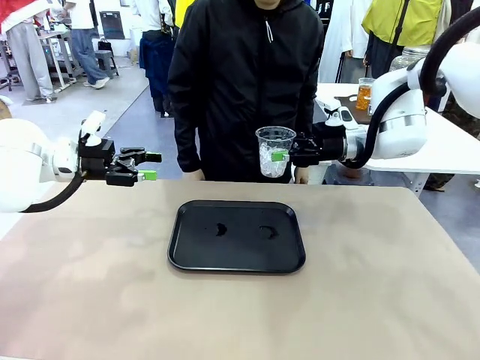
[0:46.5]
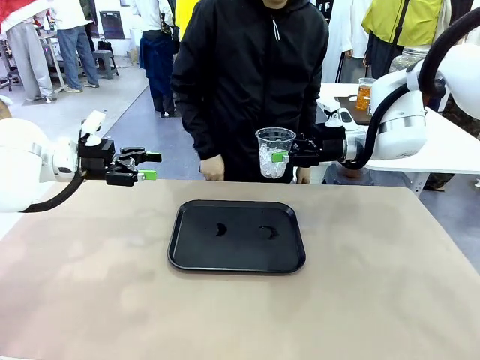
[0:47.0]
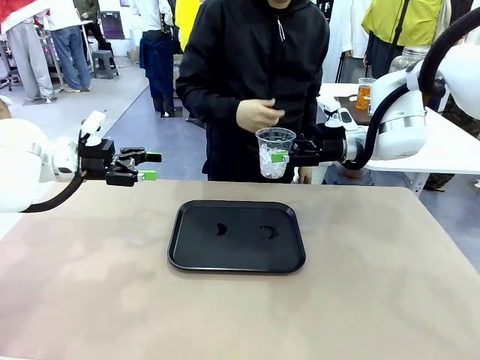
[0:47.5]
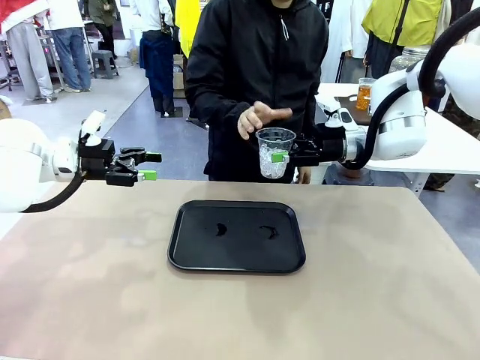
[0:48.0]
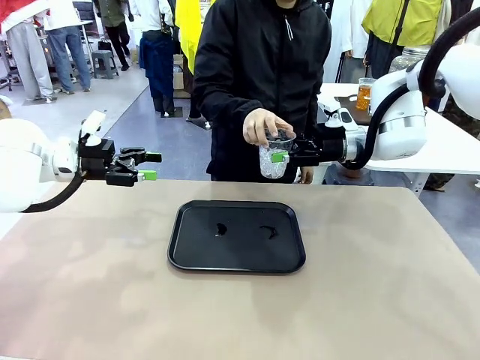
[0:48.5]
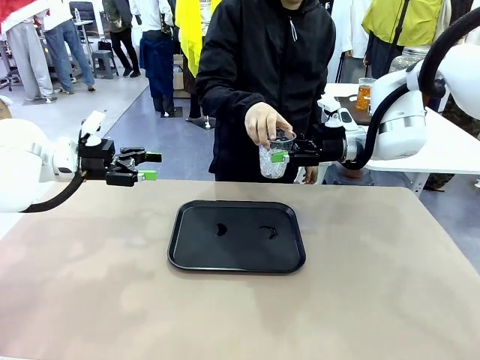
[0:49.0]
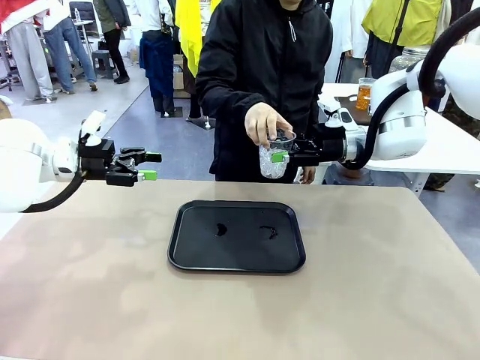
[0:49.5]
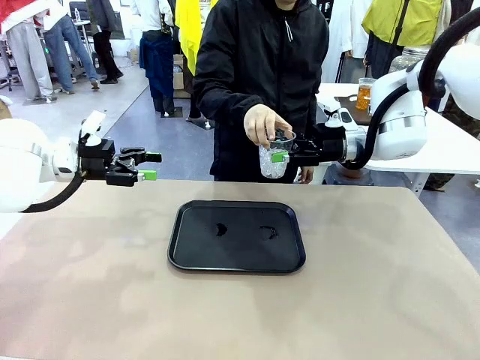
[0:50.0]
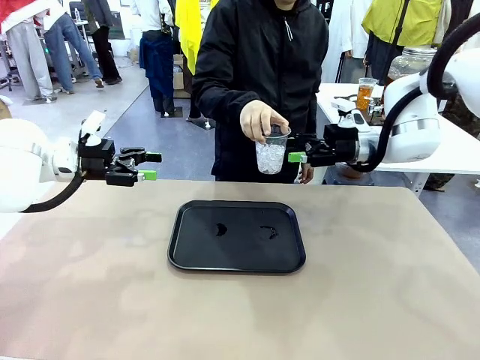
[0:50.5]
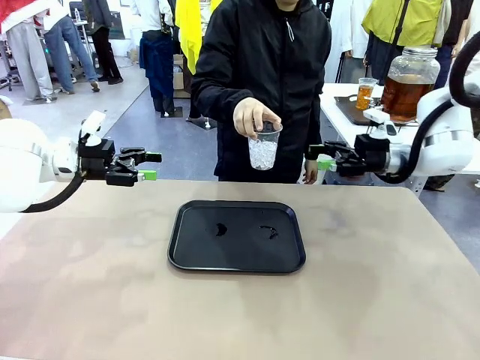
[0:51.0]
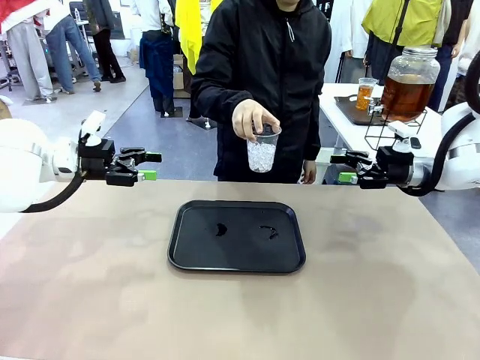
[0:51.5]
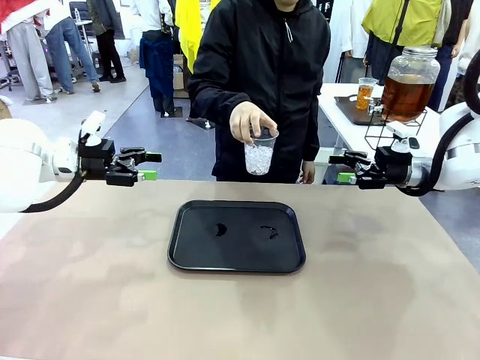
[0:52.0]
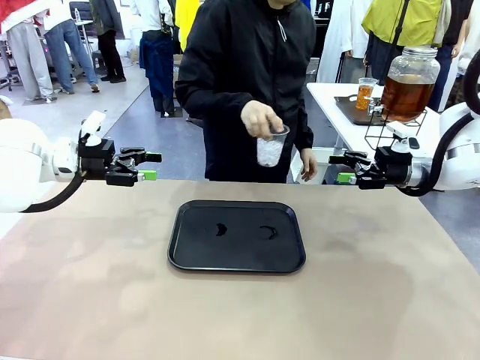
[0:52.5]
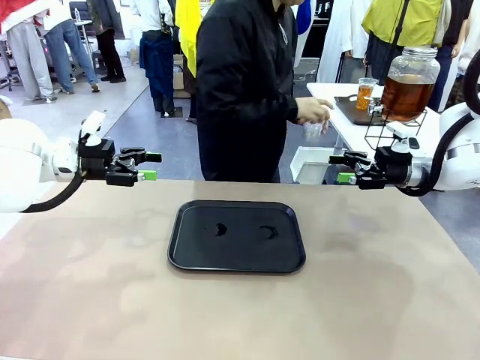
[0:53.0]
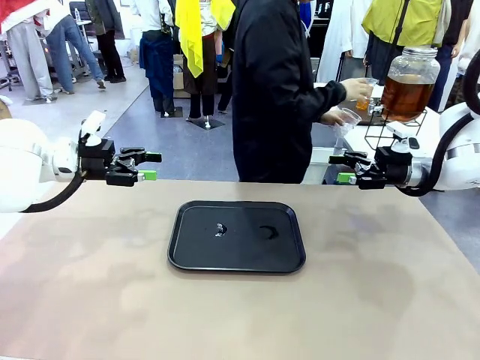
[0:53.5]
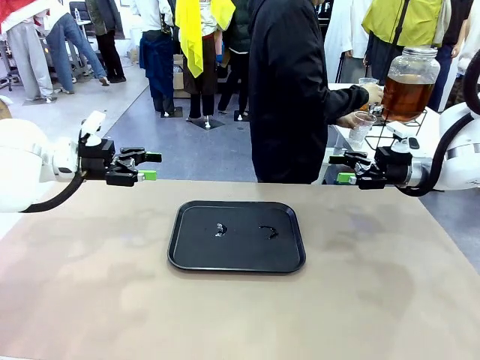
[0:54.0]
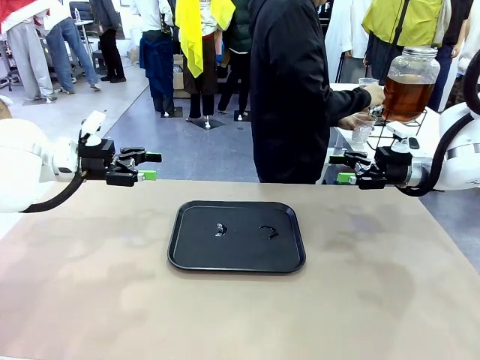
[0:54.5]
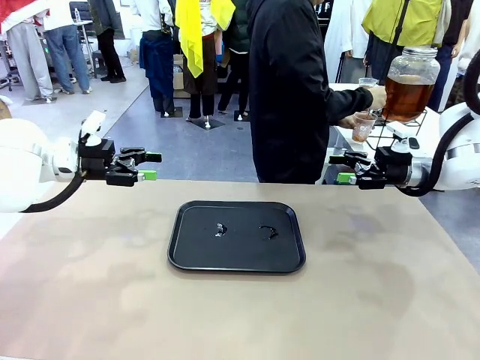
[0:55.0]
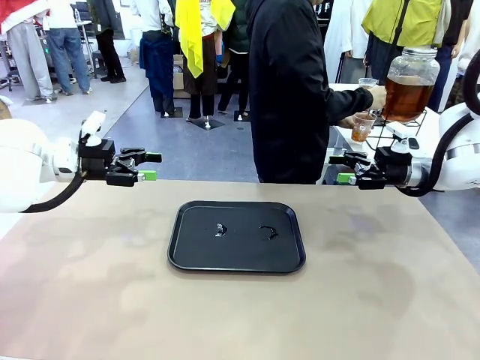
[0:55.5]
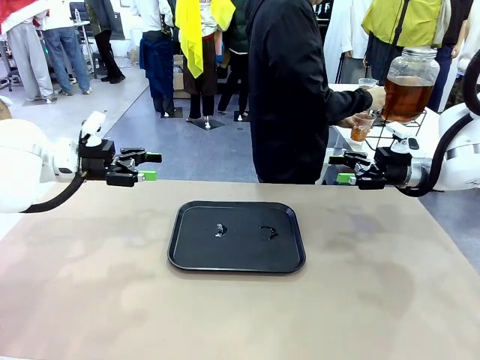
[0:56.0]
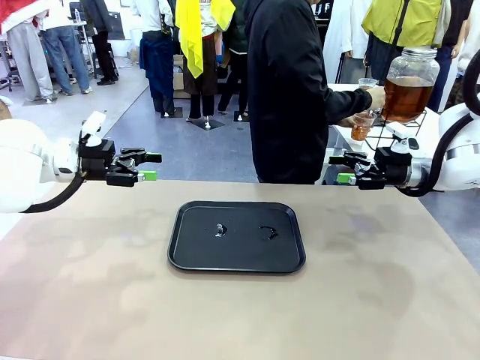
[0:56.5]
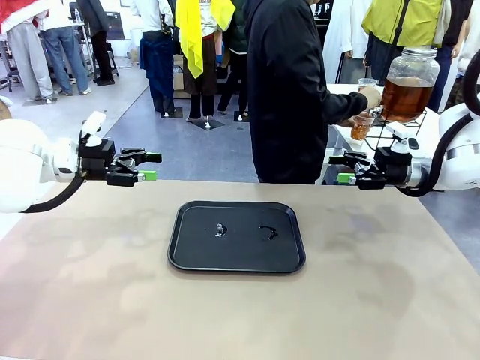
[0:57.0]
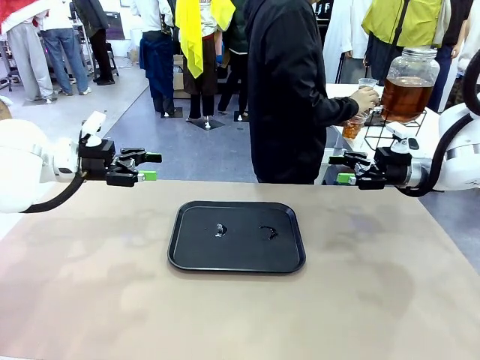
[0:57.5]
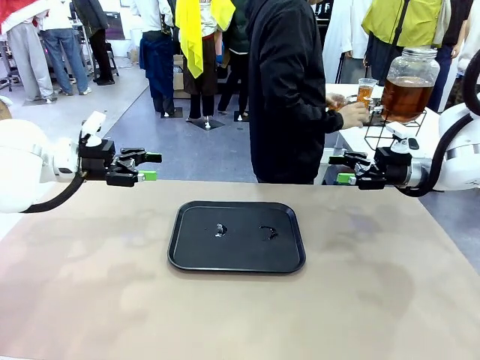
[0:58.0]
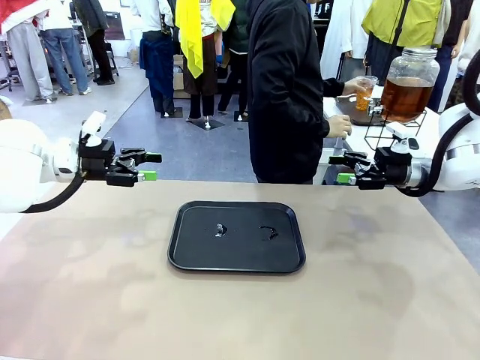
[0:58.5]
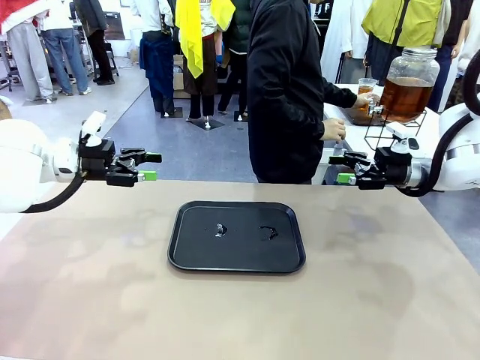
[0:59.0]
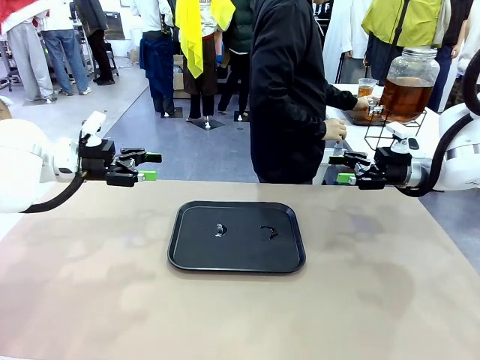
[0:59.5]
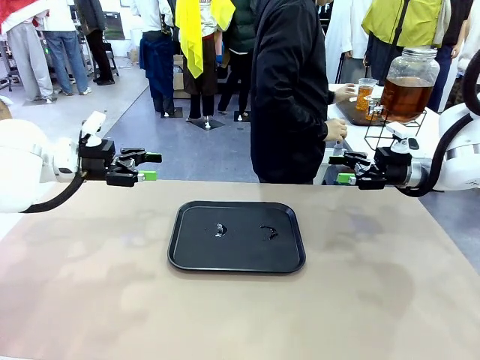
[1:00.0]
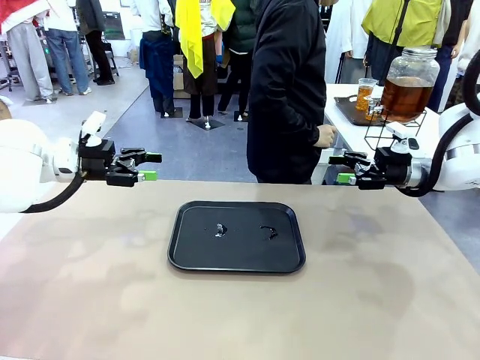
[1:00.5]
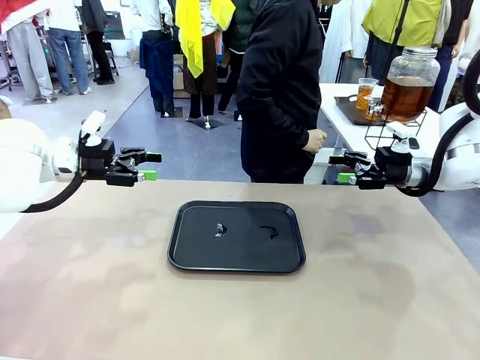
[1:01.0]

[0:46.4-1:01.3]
Task: Pour the drink into the iced cup.
Robot: Open the gripper to release the iced cup you were holding.
Person: Move the picked-up cup under the dispenser faucet, pour the drink, and place it on the tray on the human table.

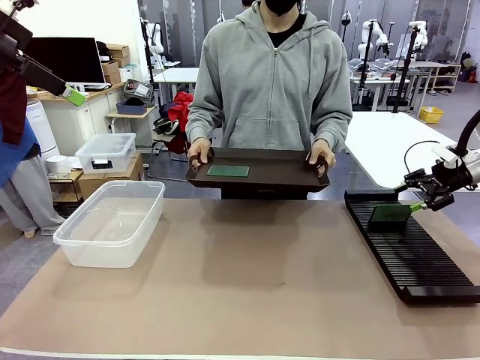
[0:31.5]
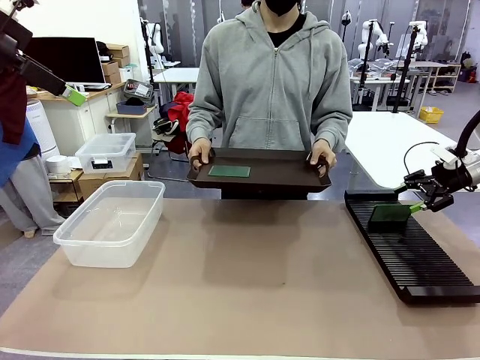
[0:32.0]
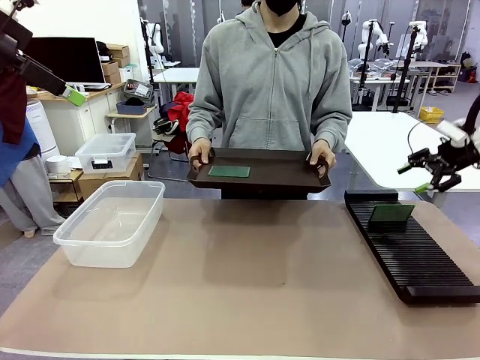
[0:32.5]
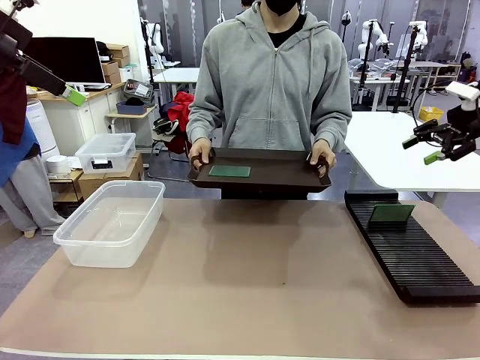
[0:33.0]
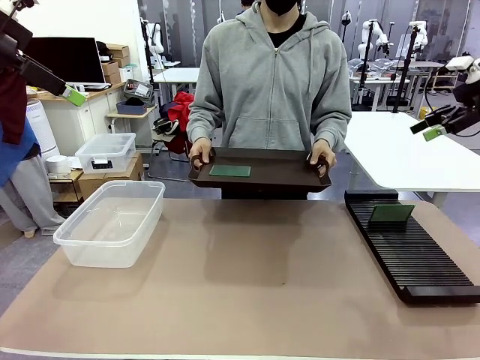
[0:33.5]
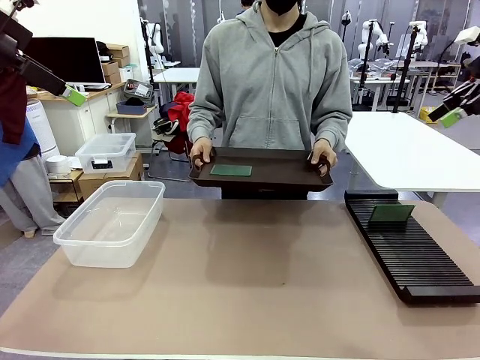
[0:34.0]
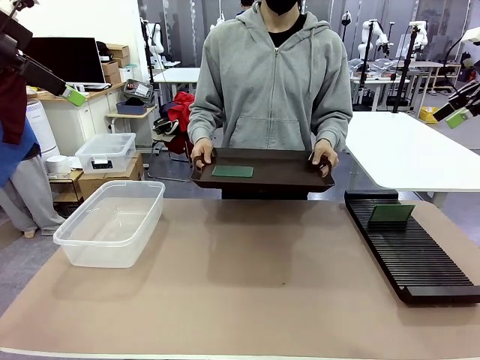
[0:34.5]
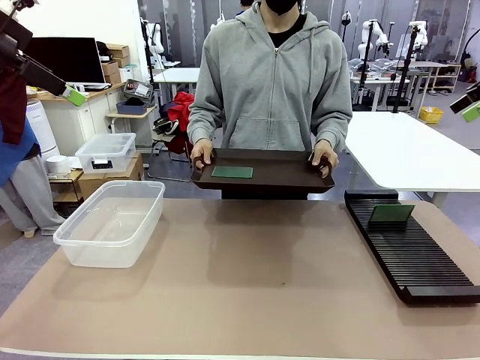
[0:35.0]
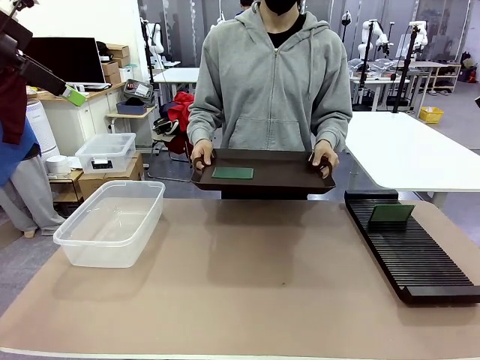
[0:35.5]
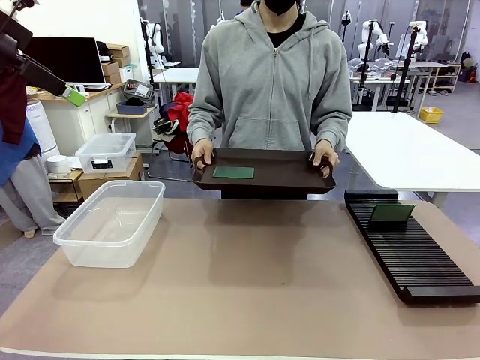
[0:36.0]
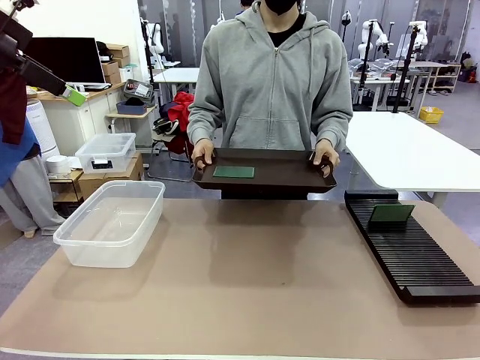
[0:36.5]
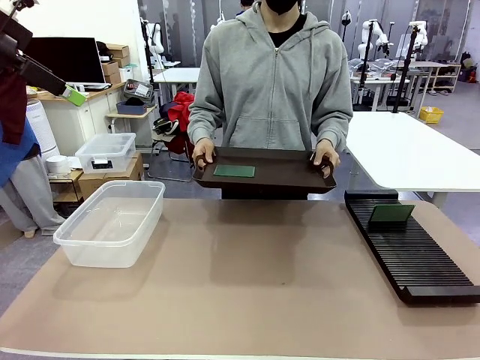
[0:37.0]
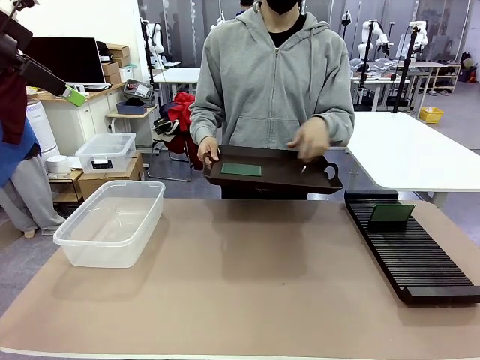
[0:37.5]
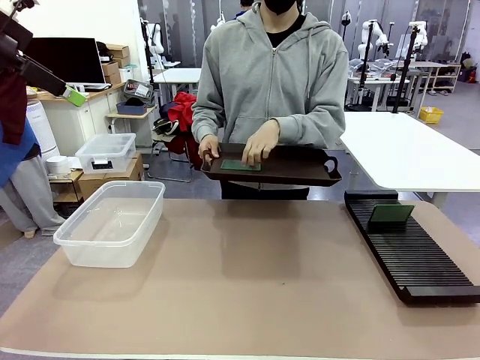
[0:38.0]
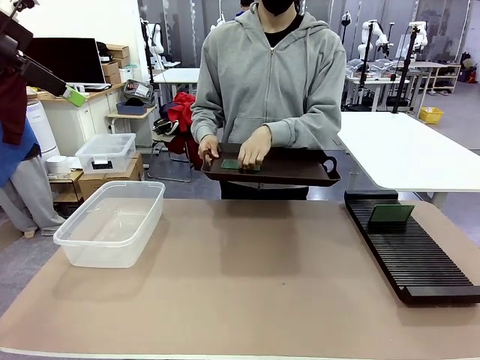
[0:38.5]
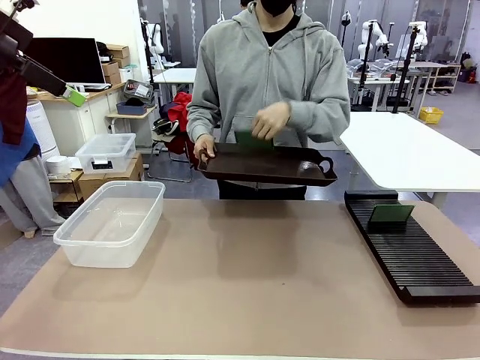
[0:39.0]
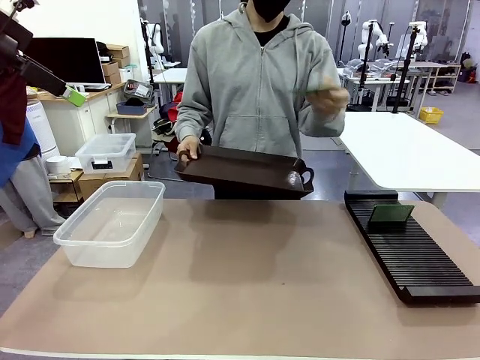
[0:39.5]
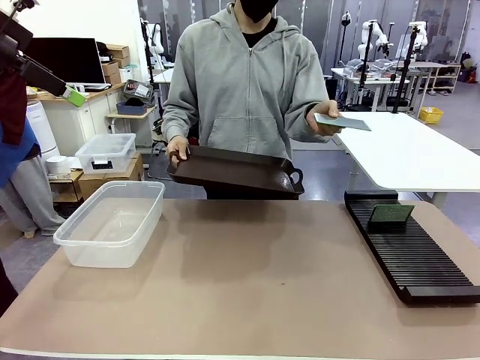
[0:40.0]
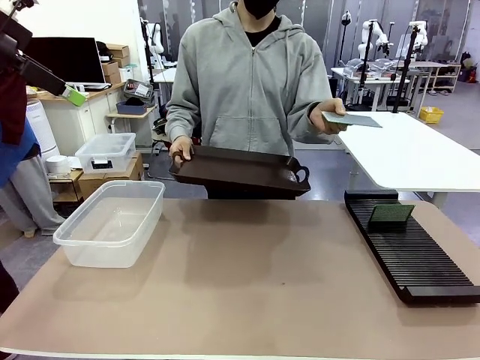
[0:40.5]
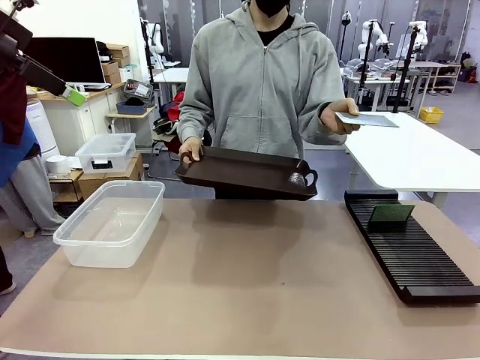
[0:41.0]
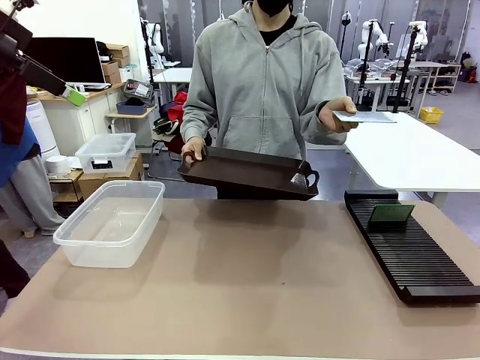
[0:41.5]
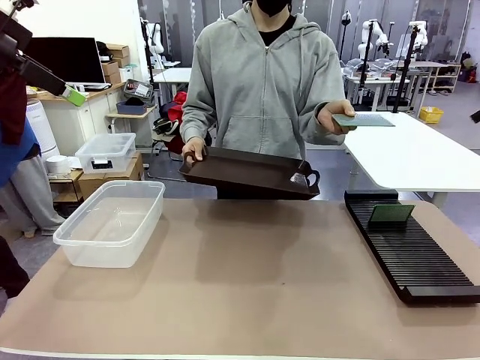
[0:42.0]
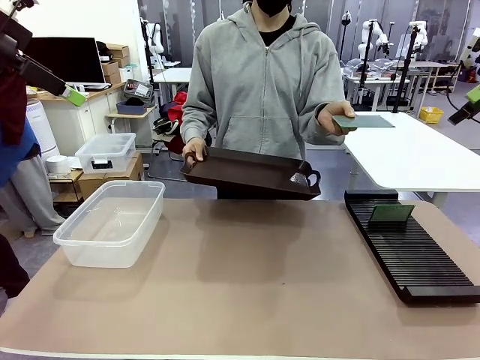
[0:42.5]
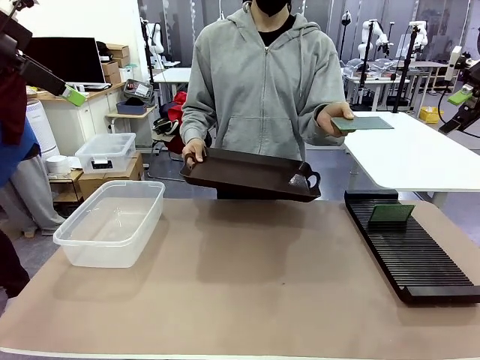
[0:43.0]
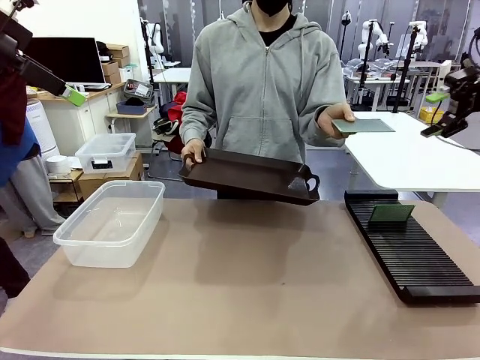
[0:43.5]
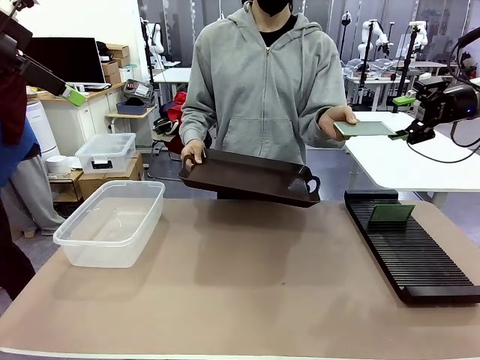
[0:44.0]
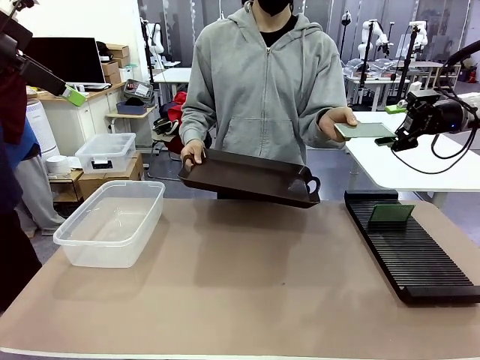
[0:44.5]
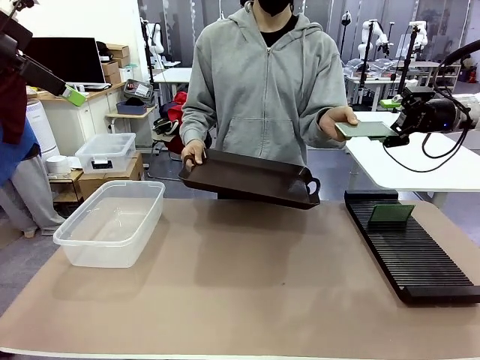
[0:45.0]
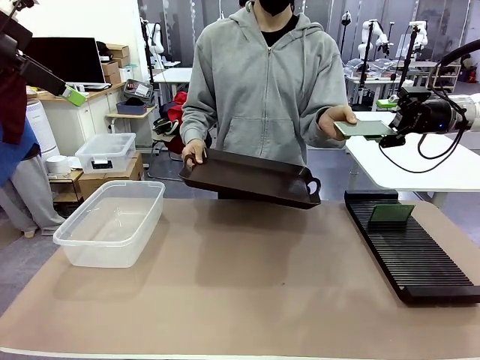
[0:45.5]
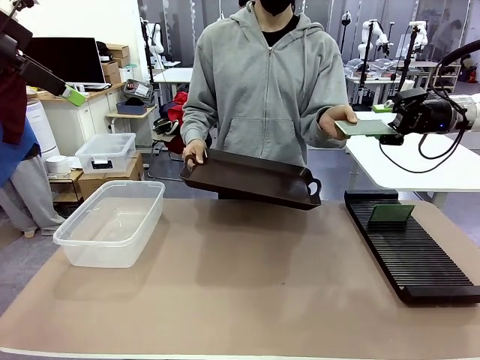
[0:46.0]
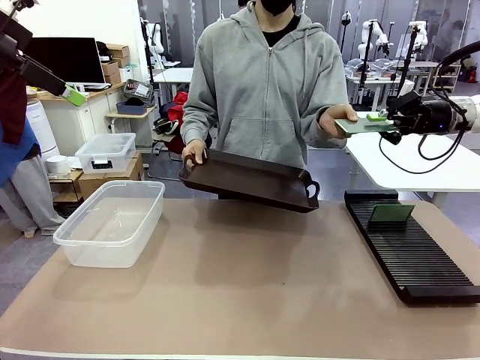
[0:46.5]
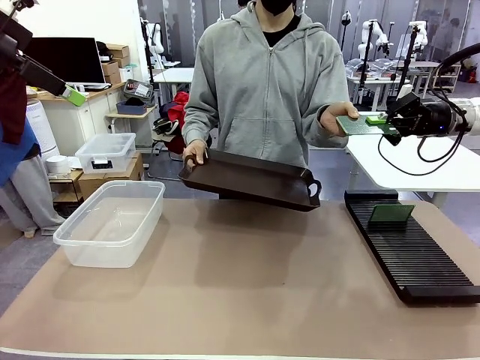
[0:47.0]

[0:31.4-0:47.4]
Task: Sort PCBs into racks and boxes based on the side picked up.
Robot: Pick up the Blank PCB handed by the Human.
